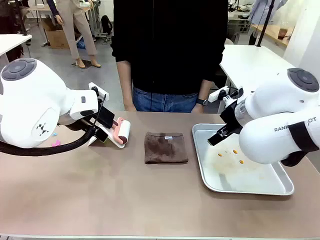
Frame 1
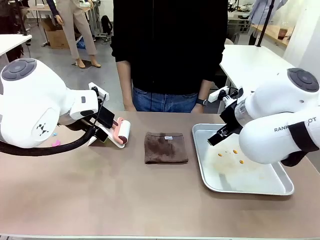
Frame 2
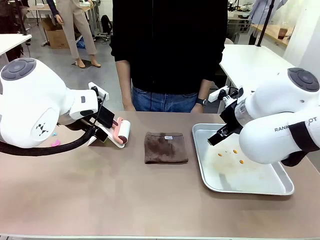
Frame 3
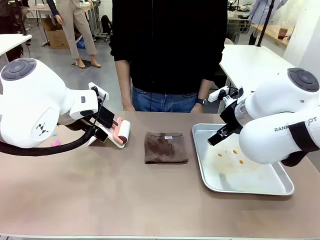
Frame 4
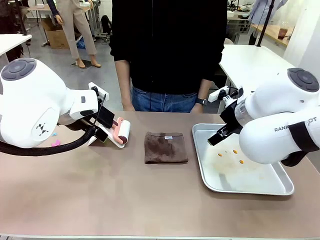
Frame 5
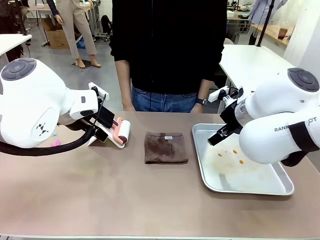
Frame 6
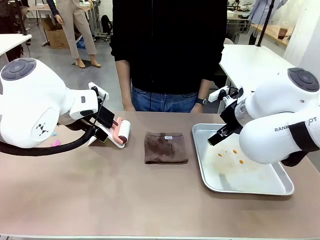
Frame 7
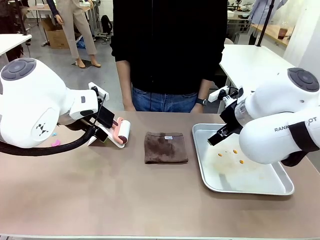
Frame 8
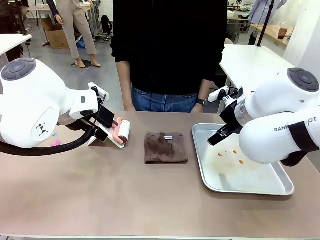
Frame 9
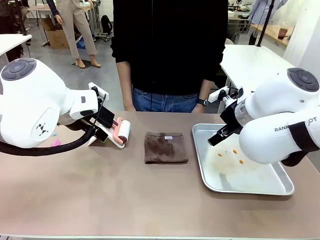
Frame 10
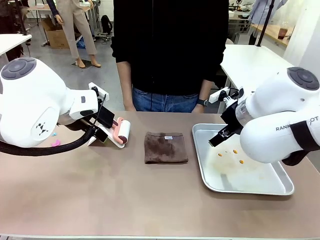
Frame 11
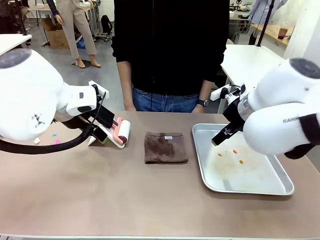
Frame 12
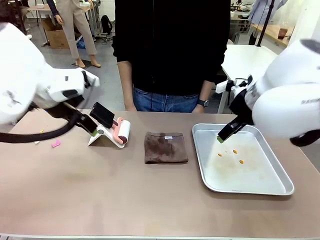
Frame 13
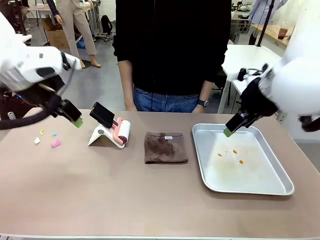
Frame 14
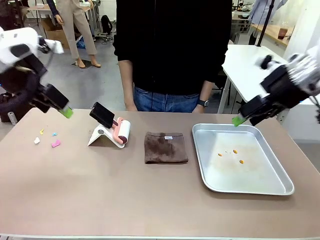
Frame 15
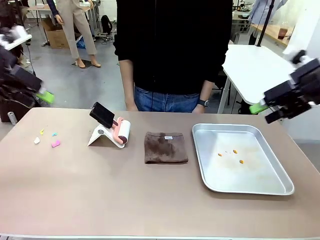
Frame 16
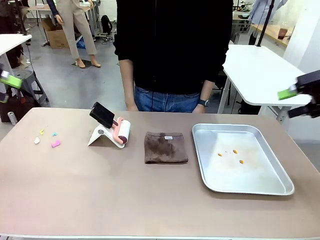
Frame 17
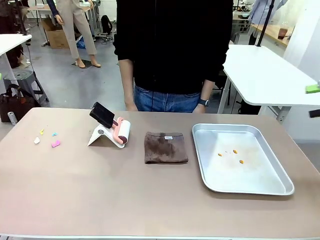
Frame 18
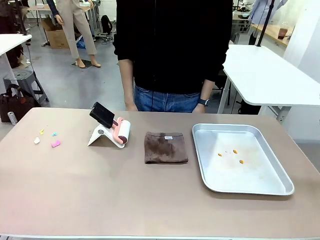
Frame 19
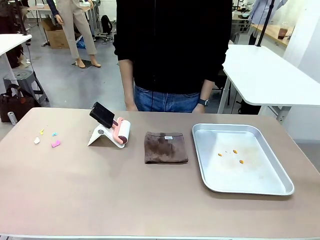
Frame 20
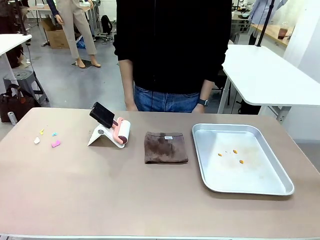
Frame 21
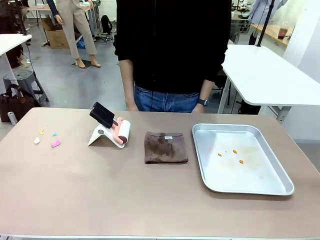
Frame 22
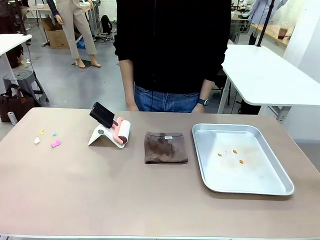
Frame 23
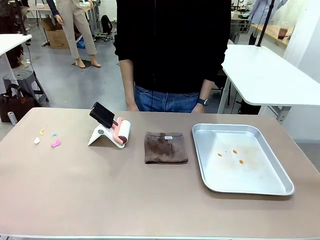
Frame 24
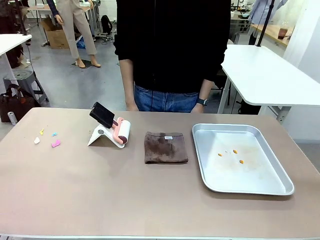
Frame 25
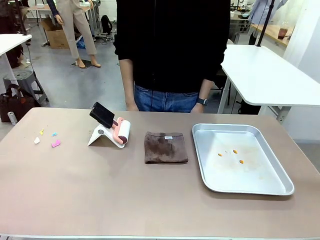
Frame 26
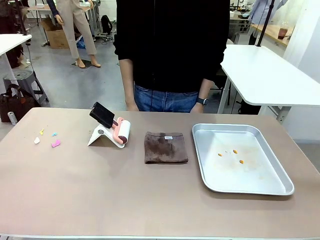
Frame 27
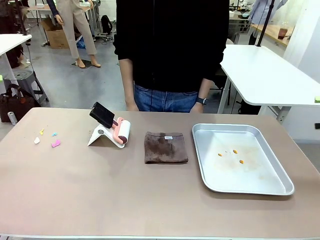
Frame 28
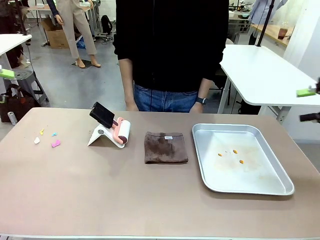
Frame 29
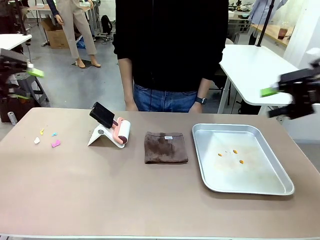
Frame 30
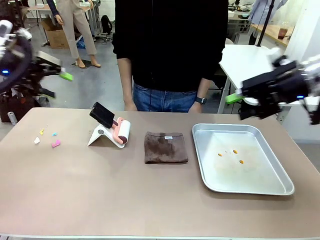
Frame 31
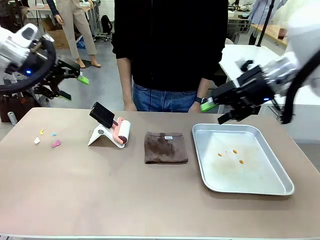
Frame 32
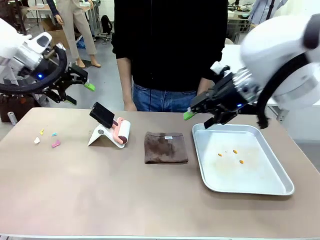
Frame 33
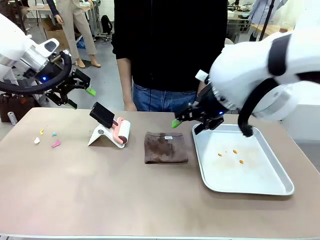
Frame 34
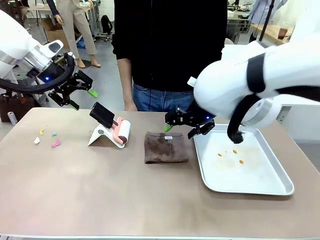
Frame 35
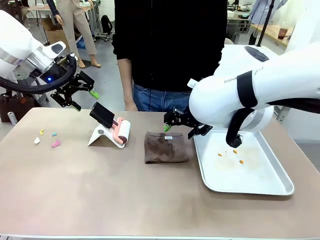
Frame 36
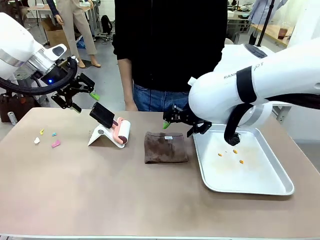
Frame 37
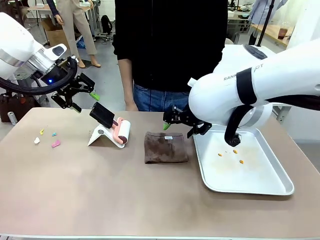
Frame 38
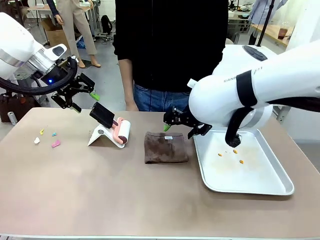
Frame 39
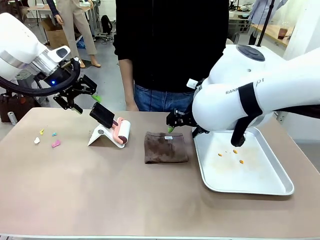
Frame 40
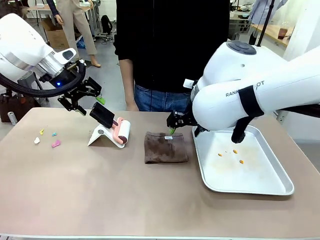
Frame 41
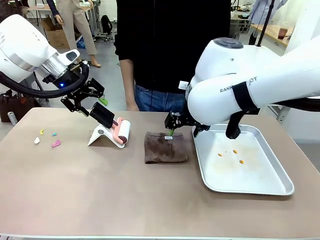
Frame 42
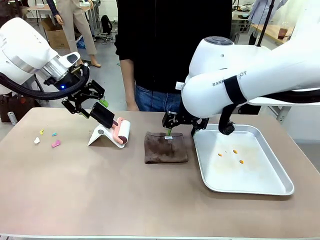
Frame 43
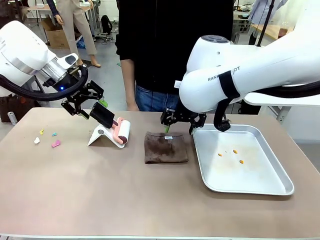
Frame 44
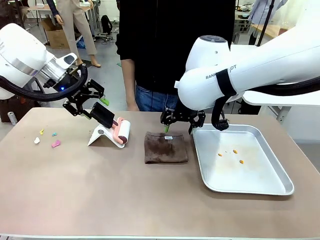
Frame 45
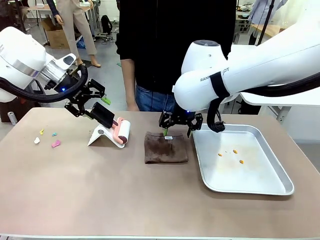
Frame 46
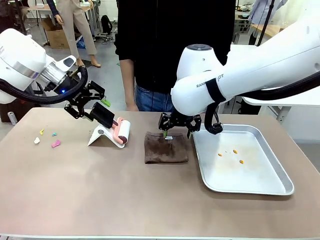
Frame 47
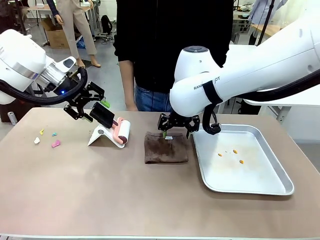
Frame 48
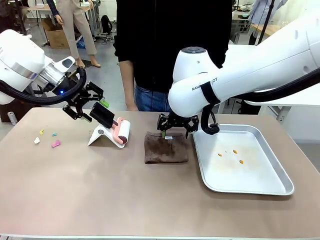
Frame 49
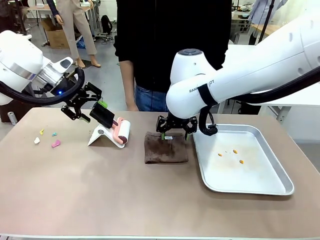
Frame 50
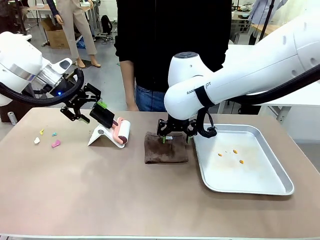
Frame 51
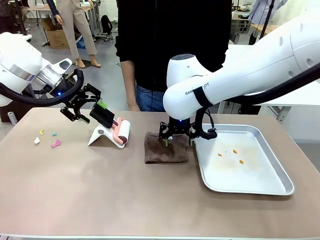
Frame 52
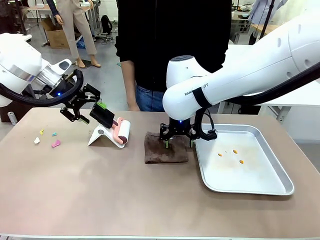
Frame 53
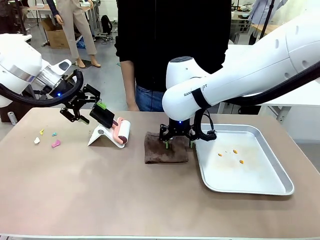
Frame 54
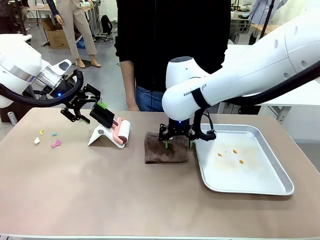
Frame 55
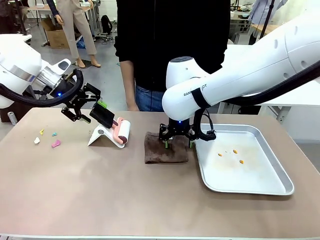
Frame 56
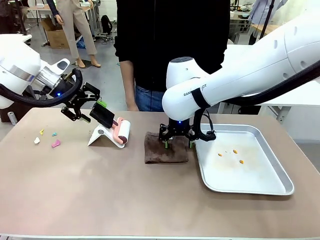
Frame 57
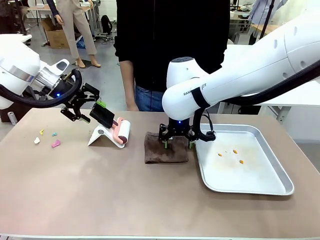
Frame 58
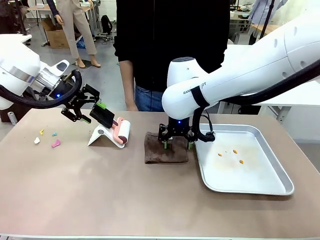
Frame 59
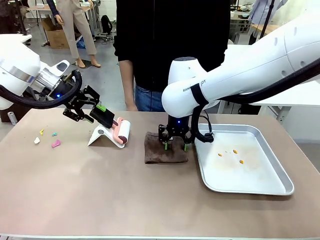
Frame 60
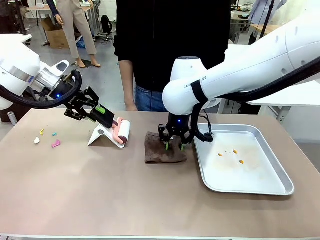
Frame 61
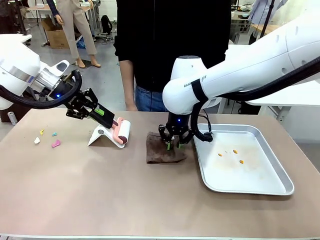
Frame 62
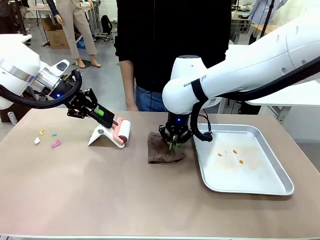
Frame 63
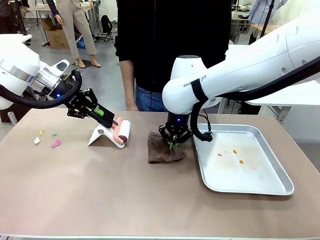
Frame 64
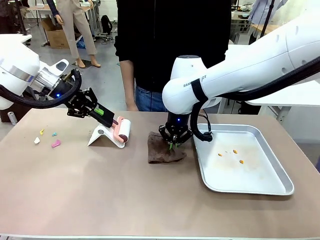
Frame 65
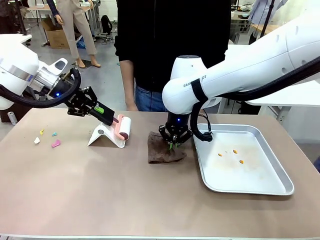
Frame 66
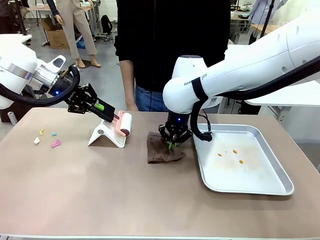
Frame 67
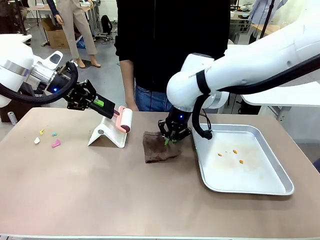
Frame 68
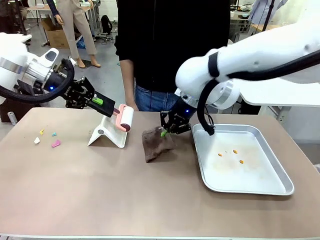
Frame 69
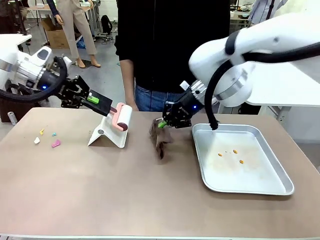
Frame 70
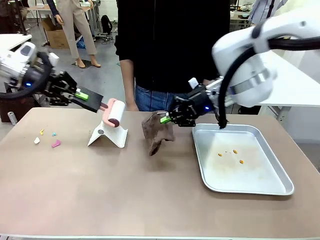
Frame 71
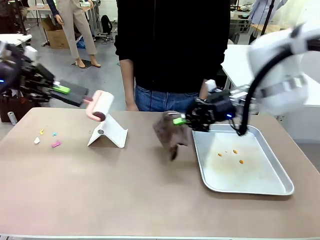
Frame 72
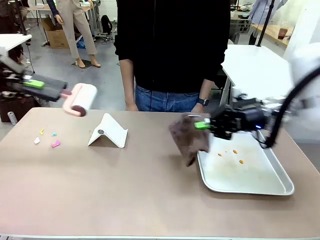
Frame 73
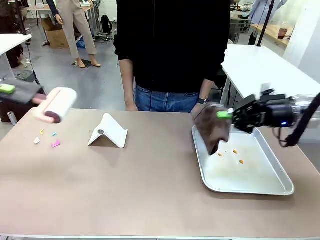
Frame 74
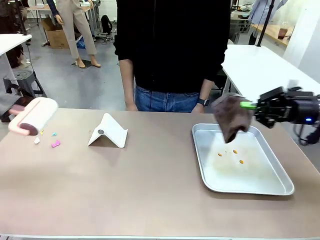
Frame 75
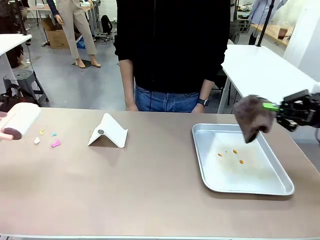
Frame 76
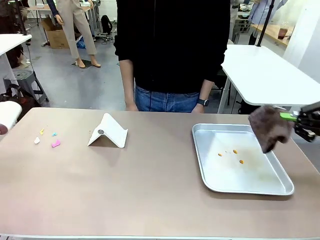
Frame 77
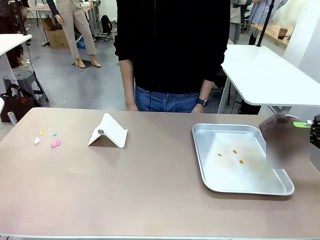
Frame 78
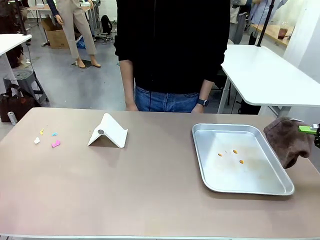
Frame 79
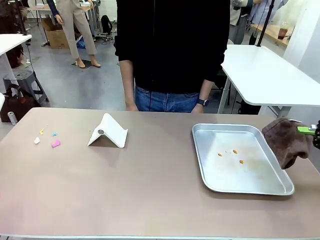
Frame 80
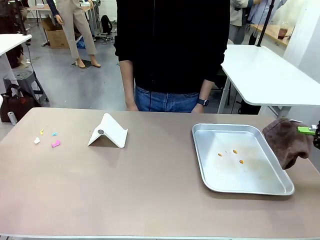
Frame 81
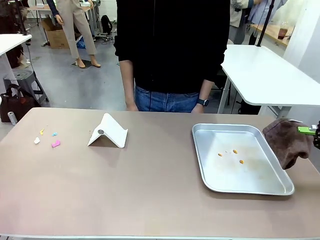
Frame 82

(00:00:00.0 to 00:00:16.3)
Task: Clean the surface of the table.
Robot: Hold the Lint Roller with your left hand and the towel with your right hand.
